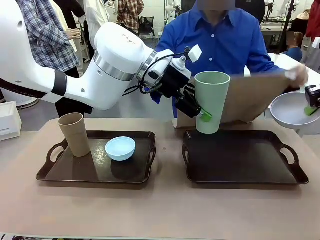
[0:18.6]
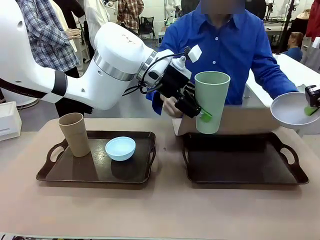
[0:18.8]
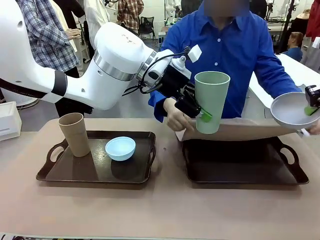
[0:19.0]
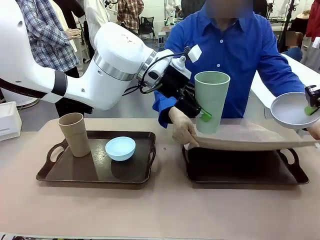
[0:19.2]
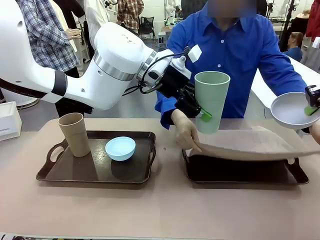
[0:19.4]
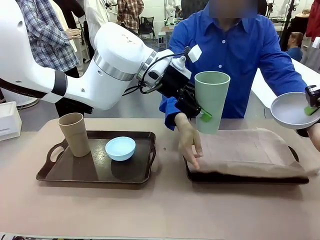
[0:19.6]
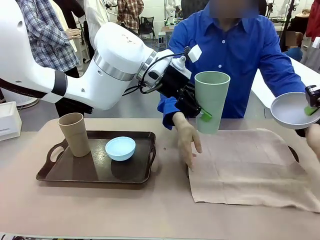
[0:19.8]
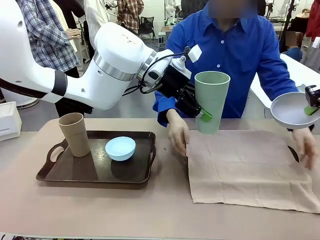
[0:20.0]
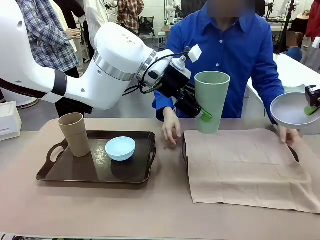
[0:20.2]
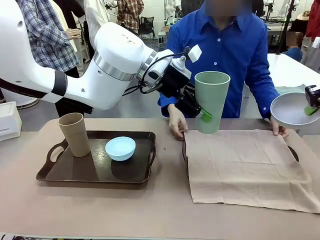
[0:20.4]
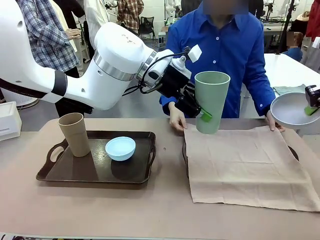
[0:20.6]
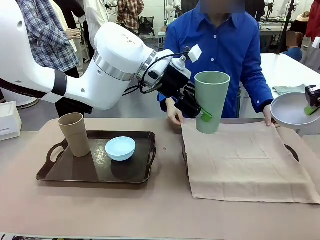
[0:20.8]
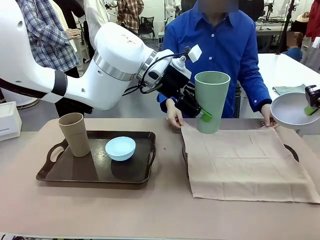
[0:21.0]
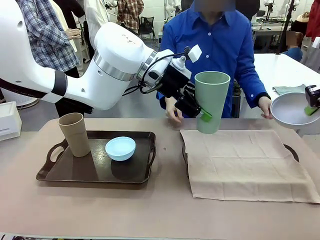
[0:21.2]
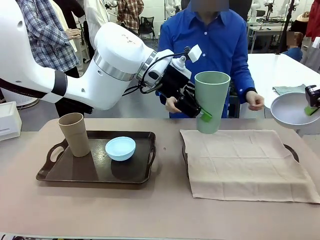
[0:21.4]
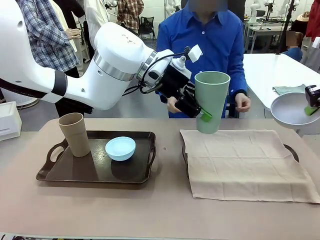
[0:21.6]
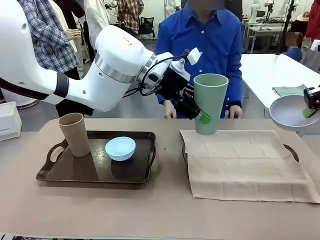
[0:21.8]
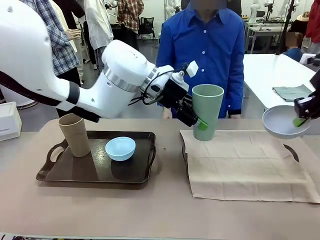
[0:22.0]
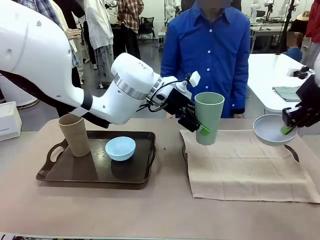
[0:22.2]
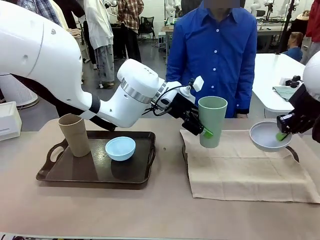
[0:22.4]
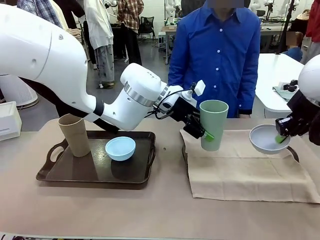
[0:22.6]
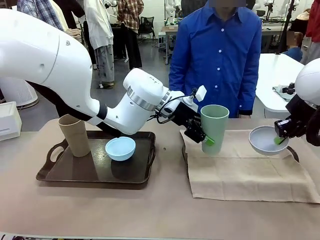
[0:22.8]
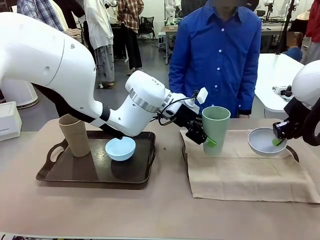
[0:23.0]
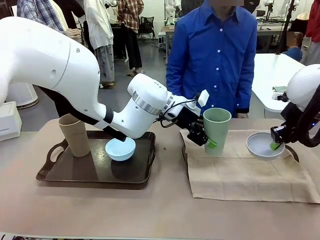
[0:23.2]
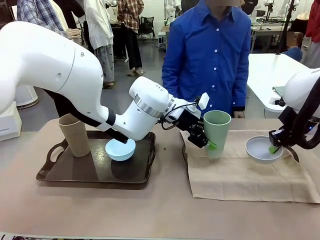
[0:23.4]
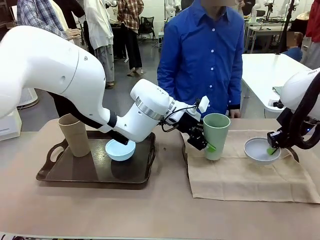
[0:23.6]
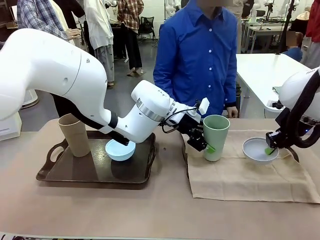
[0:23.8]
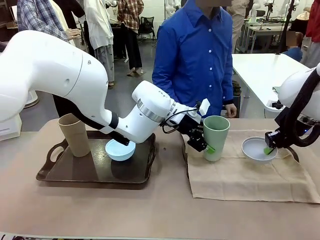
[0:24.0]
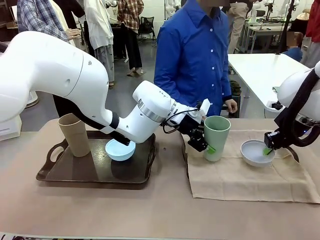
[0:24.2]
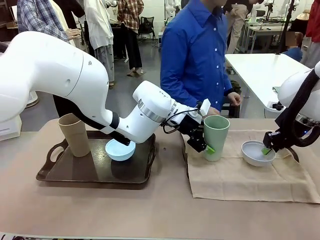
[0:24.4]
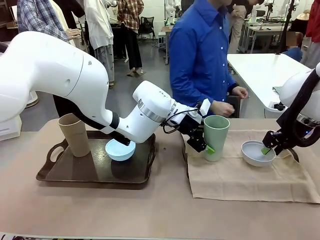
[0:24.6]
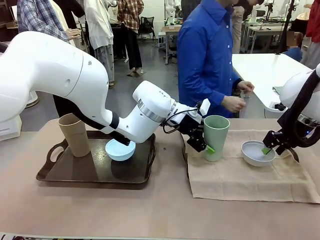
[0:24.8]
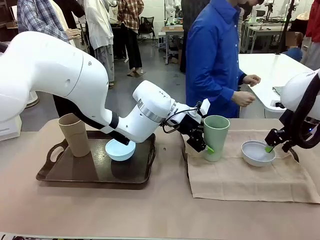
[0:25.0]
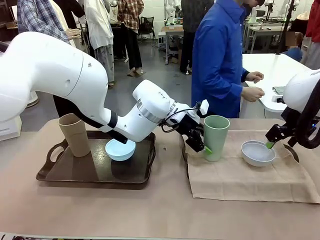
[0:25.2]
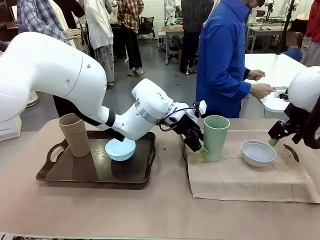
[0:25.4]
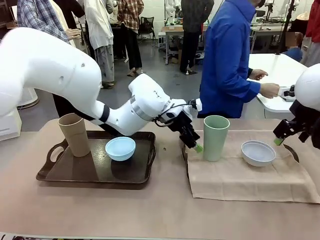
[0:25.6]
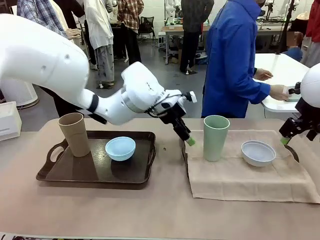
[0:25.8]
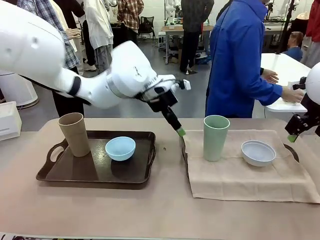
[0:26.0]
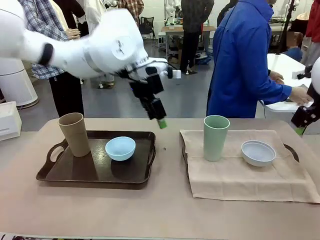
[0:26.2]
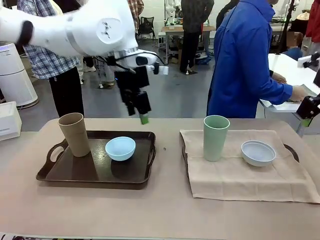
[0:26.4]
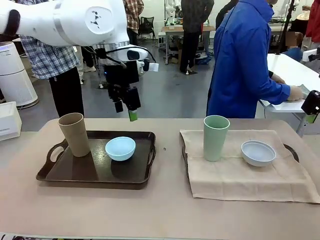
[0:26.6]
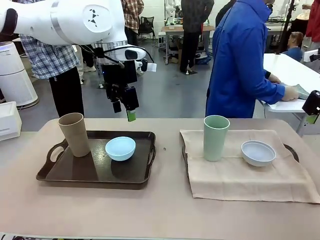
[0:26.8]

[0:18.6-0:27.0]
Robot: Place the Picnic Bowl and Reusable plastic cup back onto the Handle tray in front of the human's position.

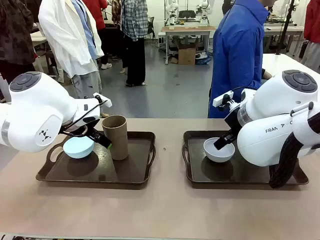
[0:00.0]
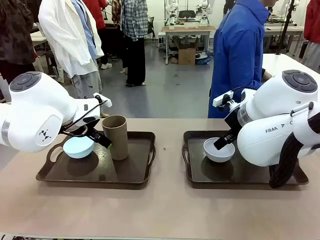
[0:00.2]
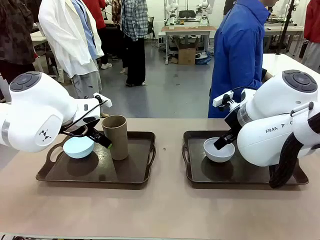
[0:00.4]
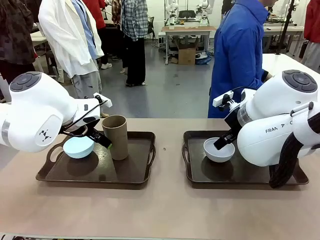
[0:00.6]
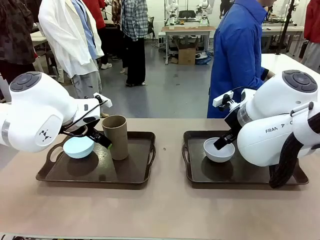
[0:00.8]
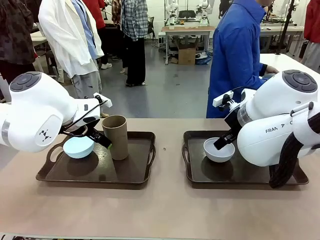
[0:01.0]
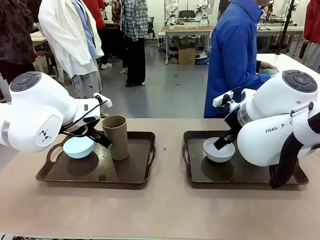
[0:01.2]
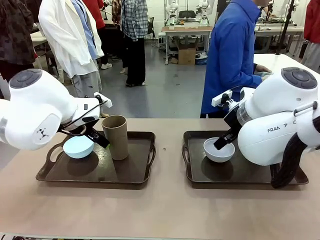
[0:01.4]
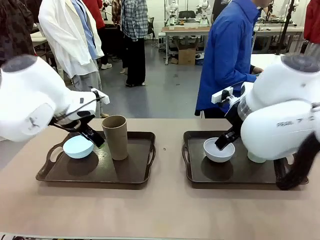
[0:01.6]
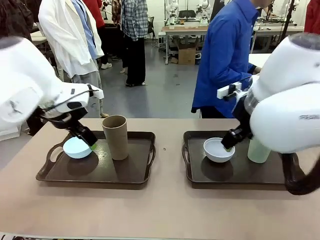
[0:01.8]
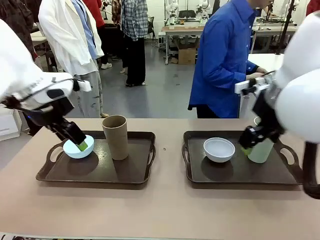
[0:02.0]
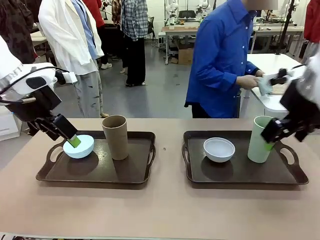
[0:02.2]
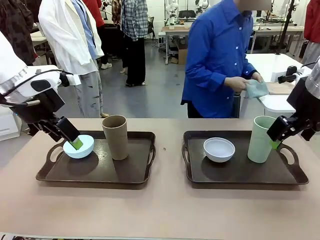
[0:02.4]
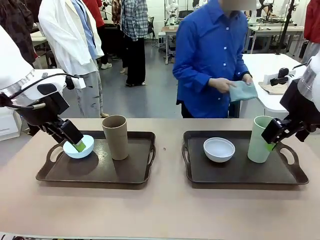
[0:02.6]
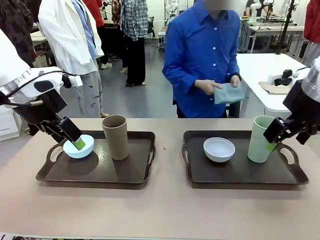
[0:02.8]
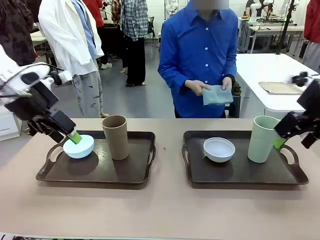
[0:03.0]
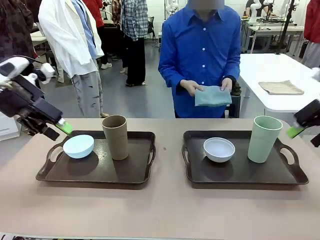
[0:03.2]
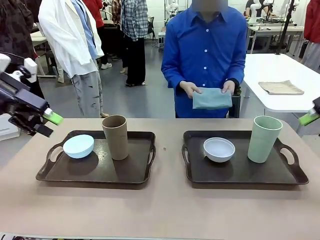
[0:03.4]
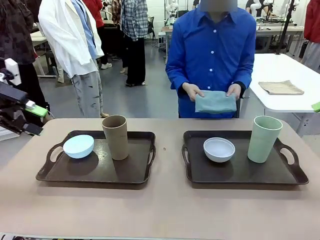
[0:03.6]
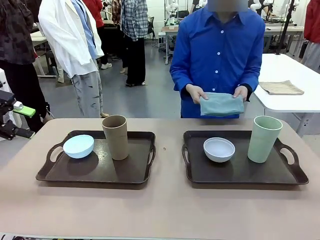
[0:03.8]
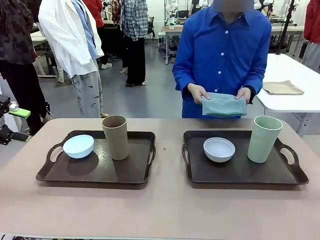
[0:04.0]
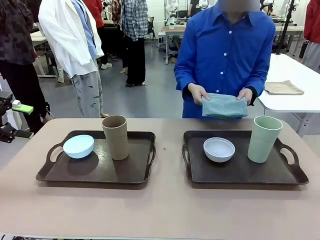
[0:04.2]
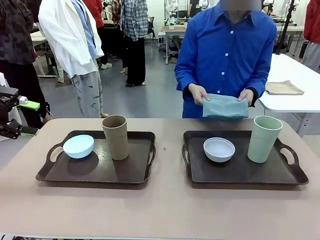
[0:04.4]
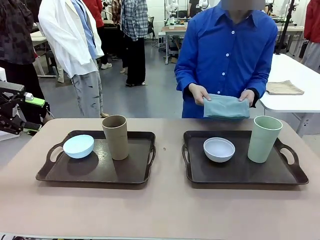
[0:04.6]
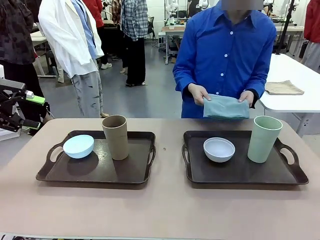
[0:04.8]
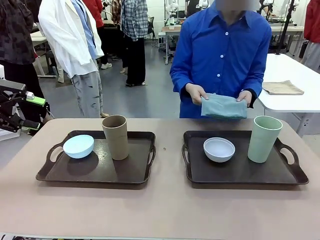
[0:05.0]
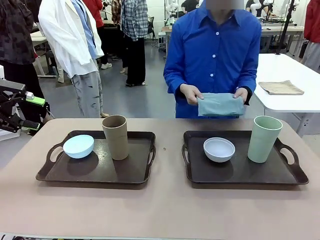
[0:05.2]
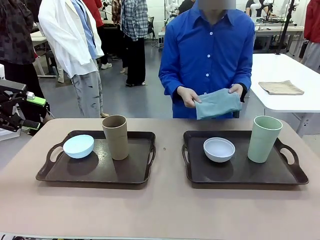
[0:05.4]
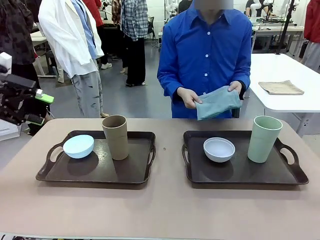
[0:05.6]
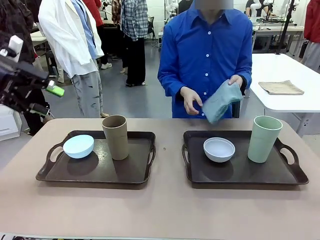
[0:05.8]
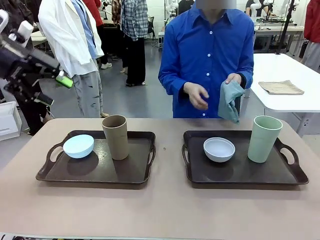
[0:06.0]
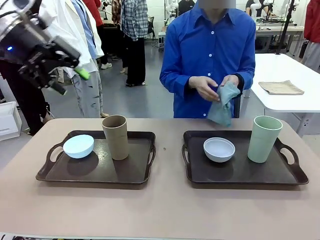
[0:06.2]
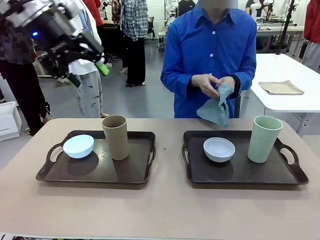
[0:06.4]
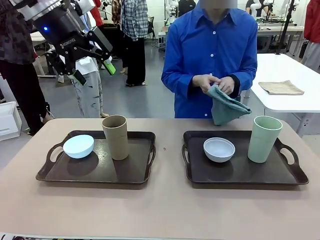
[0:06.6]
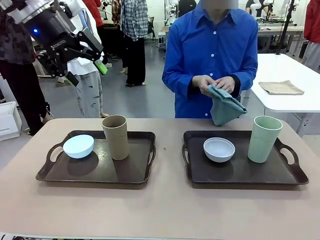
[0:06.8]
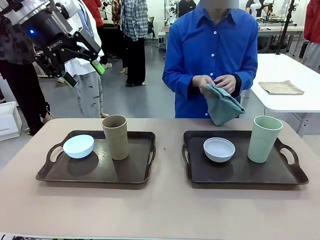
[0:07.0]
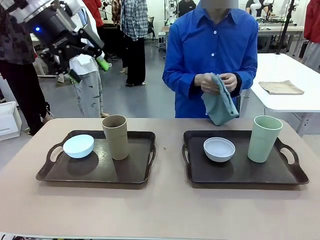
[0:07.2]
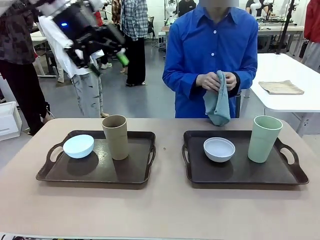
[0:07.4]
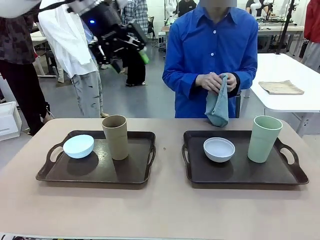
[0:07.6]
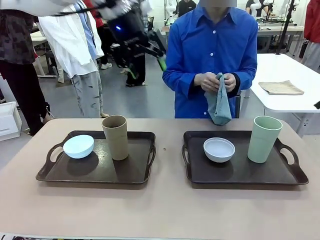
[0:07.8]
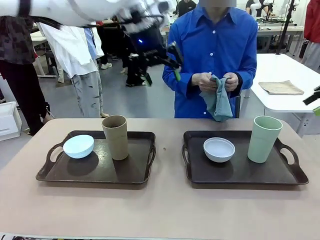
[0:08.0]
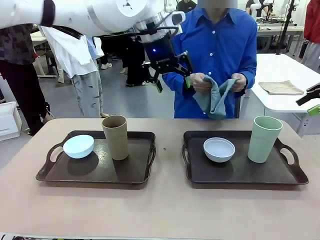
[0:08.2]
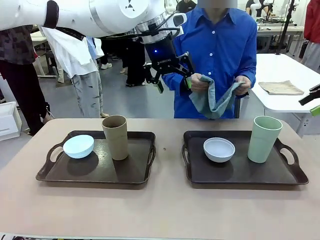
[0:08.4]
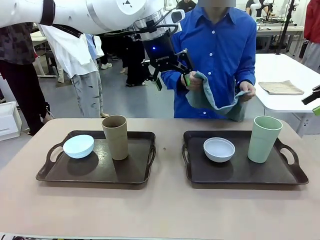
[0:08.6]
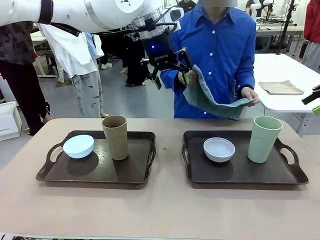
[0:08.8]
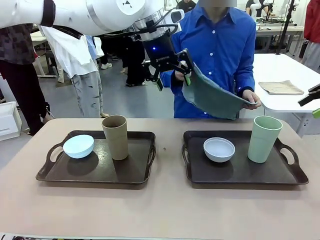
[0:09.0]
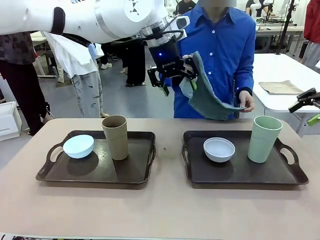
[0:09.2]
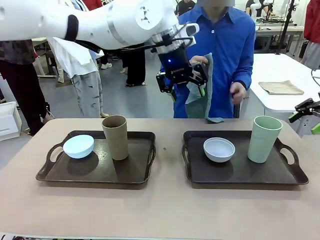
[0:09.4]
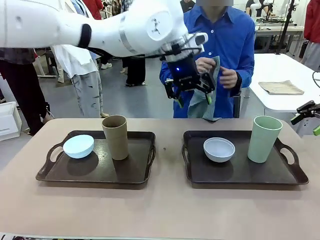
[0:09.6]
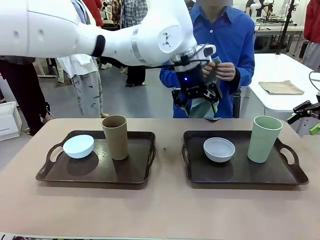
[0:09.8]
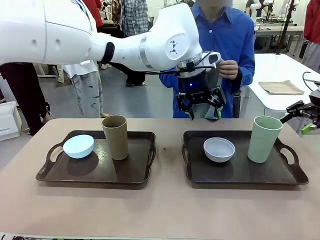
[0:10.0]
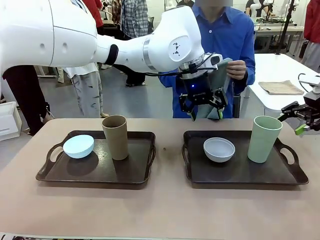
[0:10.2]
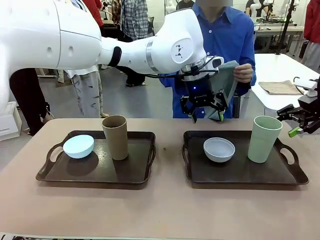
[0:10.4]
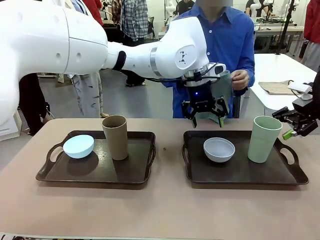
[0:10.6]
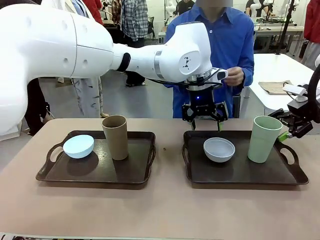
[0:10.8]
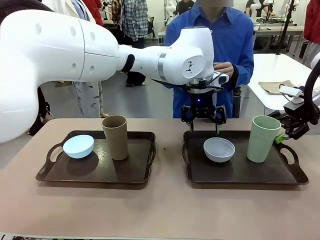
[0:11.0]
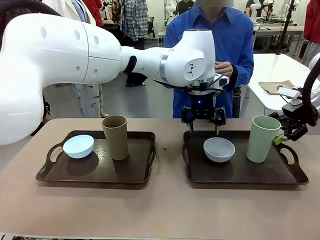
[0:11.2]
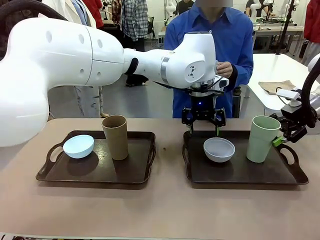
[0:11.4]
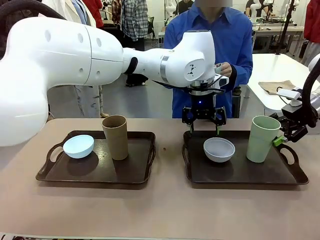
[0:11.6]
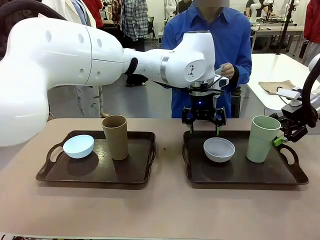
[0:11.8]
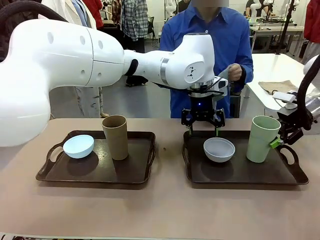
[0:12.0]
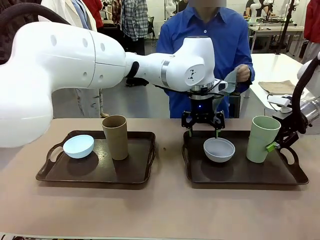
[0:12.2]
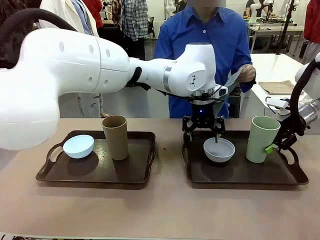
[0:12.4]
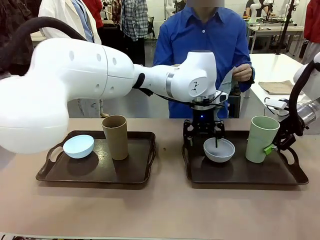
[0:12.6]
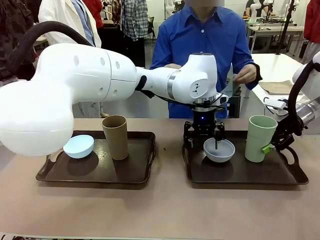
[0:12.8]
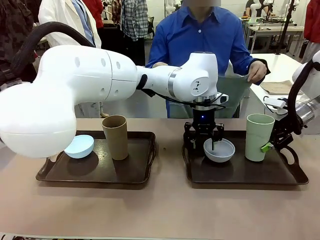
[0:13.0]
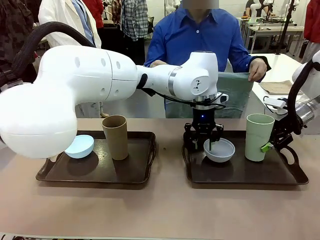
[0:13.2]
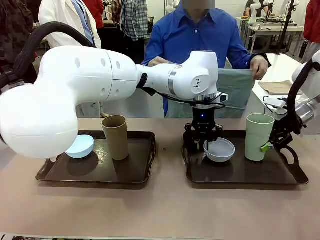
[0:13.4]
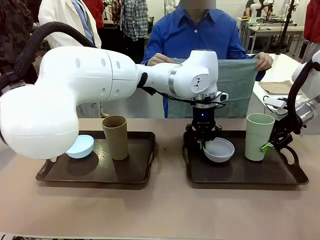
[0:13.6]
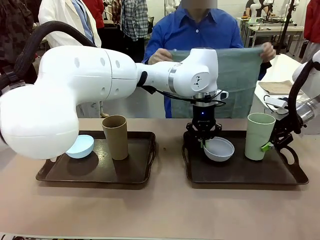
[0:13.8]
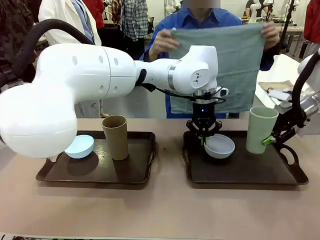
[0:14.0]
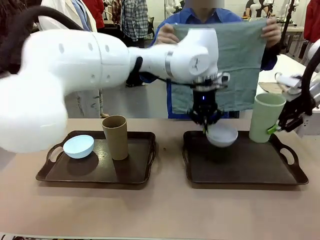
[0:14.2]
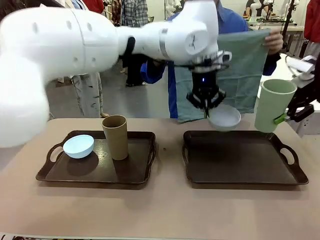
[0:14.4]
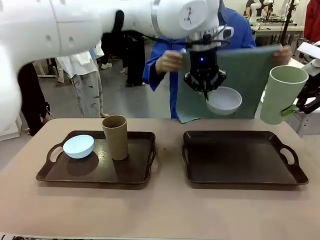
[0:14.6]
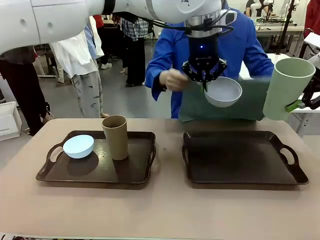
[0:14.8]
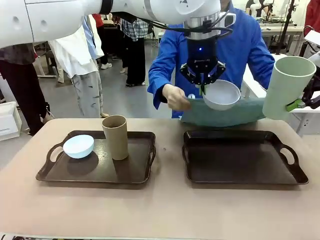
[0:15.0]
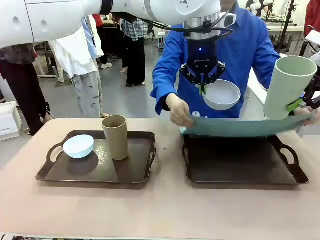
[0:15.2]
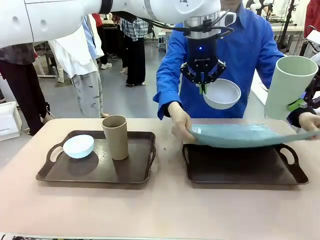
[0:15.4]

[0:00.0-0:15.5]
Robot: Pick up the Picnic Bowl and Reusable plastic cup from the Handle tray in front of the human's position and hold them in the air.
Person: The human picks up the top napkin from the stack on the human table and walks to the robot table to stand in front of one of the two trays. When the robot lifts the bowl and the cup, the human unfolds the napkin and lays the napkin flat on the tray.
